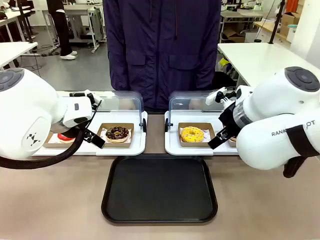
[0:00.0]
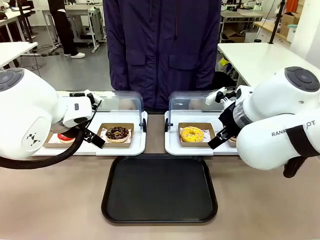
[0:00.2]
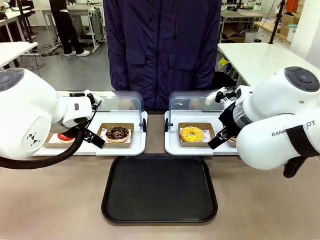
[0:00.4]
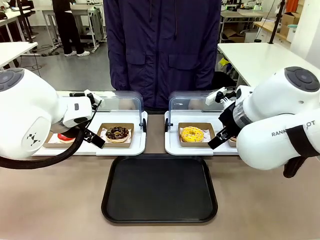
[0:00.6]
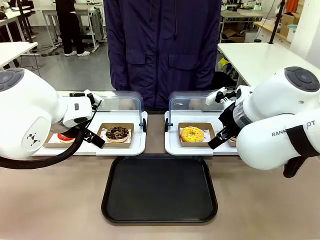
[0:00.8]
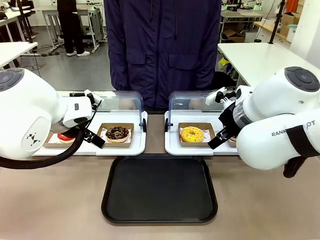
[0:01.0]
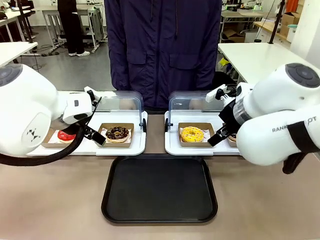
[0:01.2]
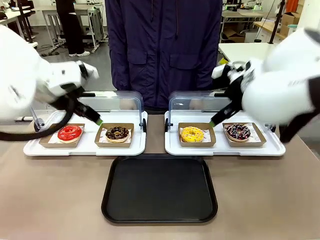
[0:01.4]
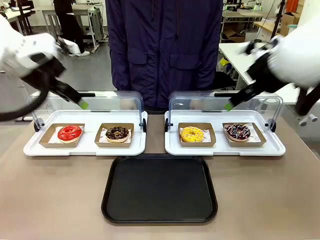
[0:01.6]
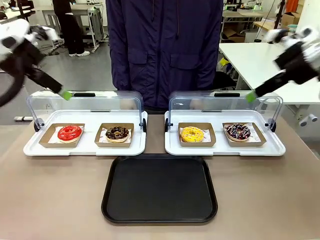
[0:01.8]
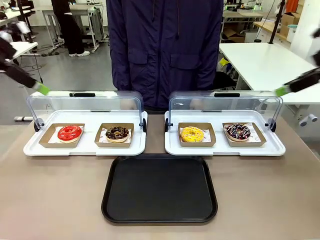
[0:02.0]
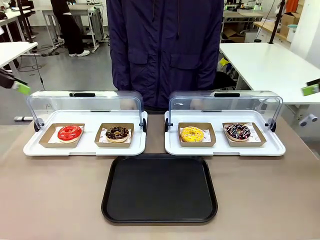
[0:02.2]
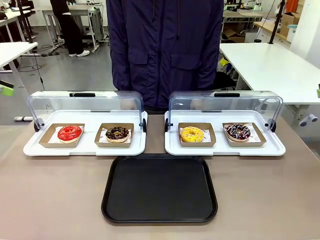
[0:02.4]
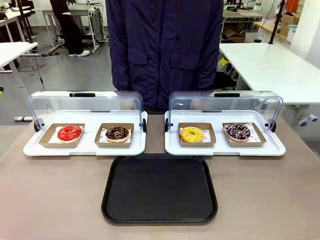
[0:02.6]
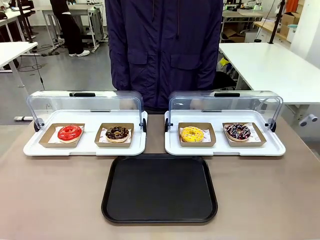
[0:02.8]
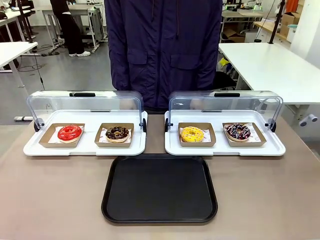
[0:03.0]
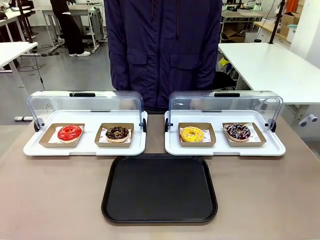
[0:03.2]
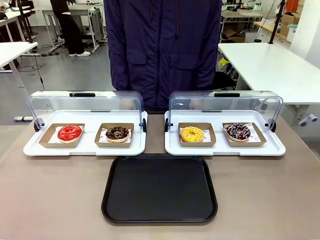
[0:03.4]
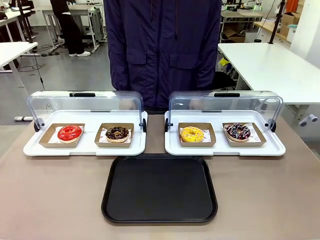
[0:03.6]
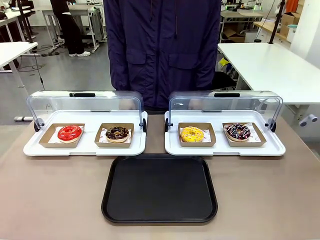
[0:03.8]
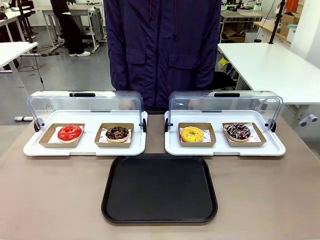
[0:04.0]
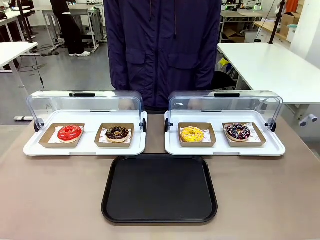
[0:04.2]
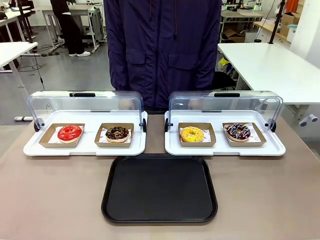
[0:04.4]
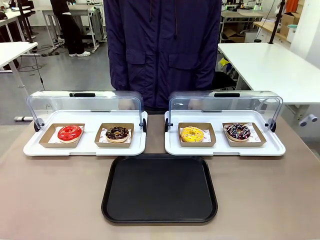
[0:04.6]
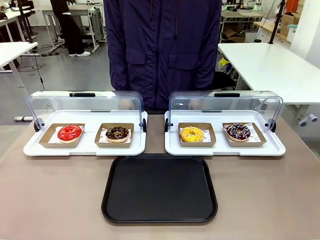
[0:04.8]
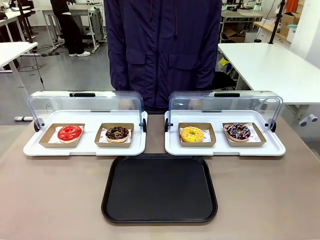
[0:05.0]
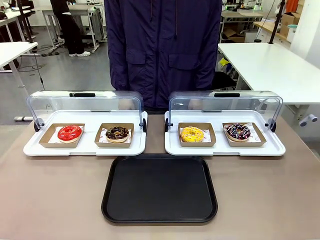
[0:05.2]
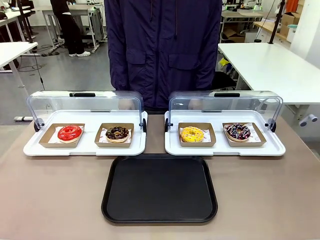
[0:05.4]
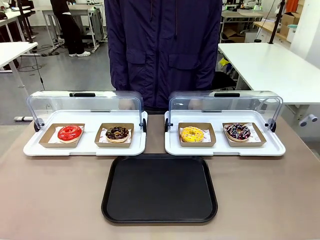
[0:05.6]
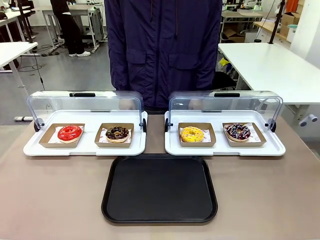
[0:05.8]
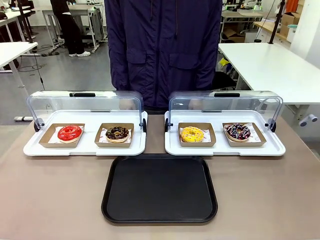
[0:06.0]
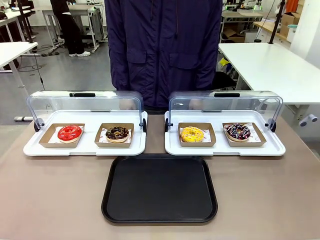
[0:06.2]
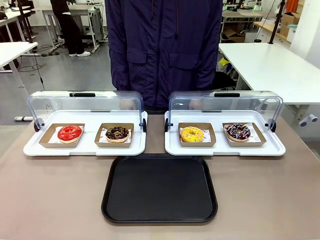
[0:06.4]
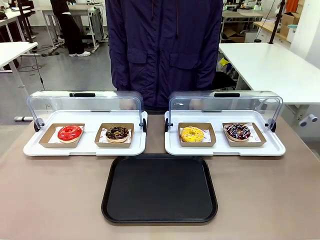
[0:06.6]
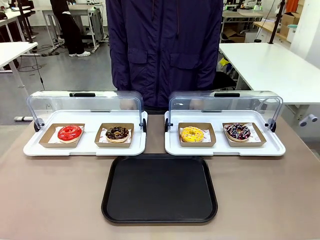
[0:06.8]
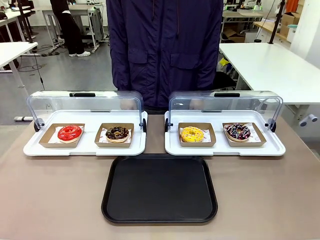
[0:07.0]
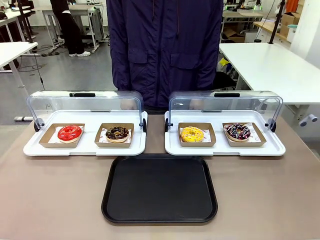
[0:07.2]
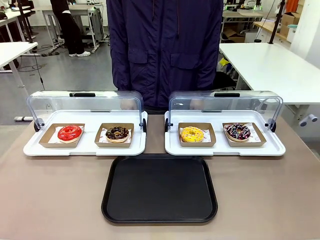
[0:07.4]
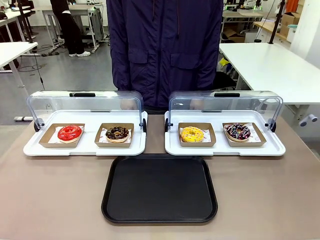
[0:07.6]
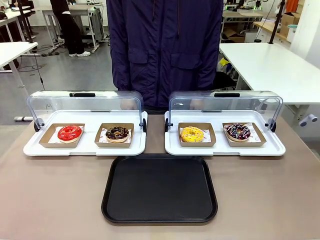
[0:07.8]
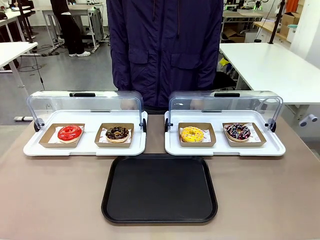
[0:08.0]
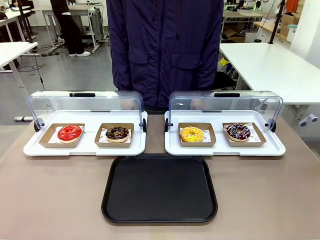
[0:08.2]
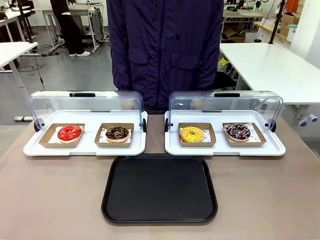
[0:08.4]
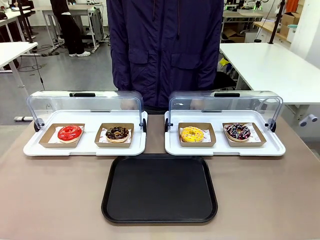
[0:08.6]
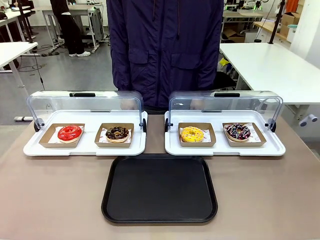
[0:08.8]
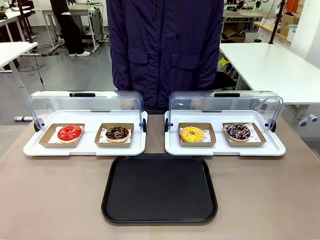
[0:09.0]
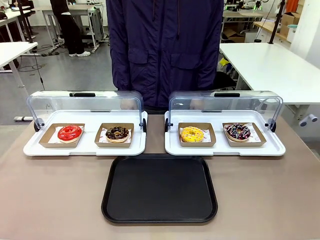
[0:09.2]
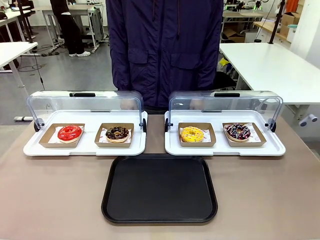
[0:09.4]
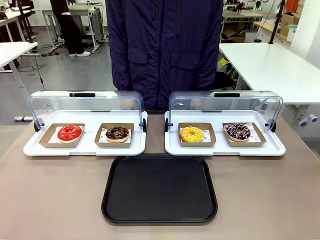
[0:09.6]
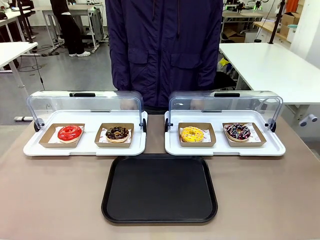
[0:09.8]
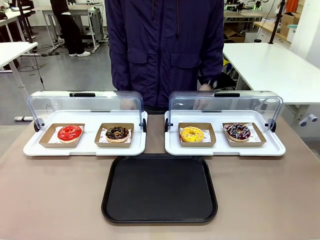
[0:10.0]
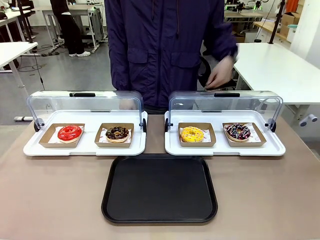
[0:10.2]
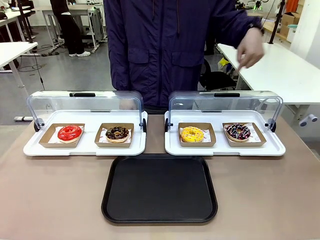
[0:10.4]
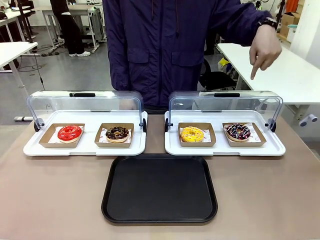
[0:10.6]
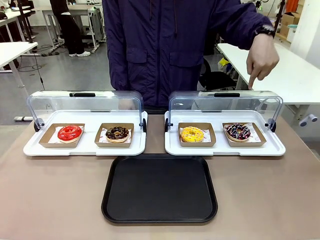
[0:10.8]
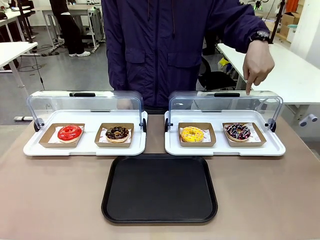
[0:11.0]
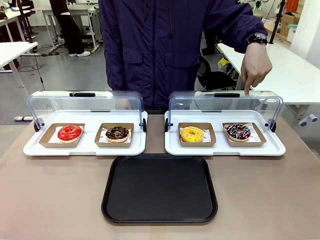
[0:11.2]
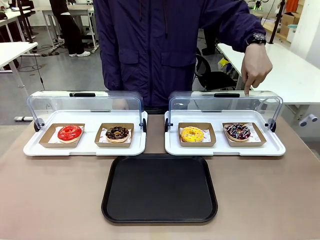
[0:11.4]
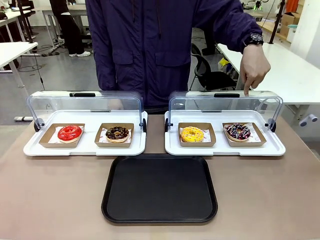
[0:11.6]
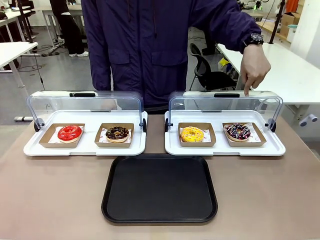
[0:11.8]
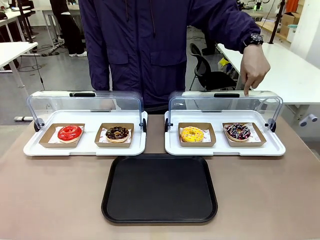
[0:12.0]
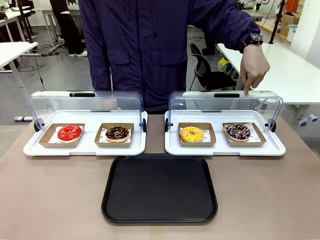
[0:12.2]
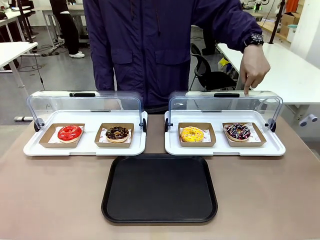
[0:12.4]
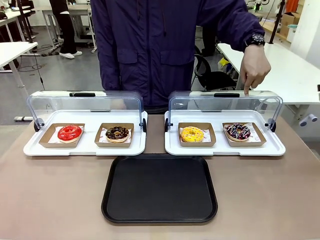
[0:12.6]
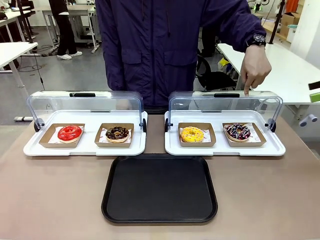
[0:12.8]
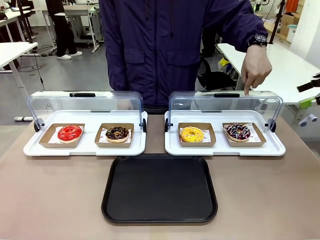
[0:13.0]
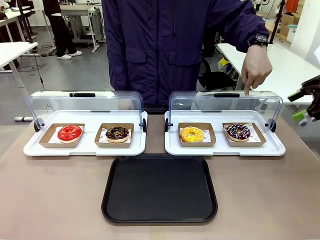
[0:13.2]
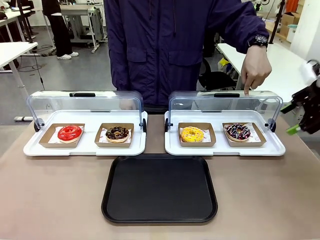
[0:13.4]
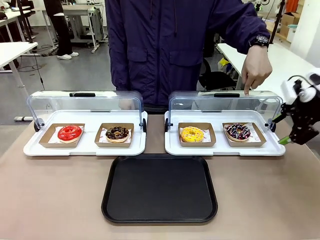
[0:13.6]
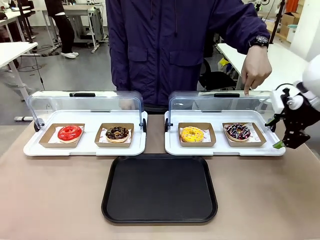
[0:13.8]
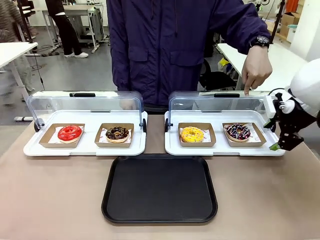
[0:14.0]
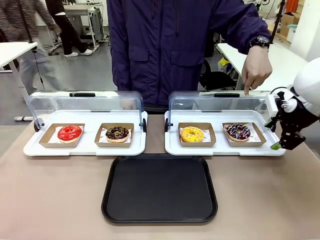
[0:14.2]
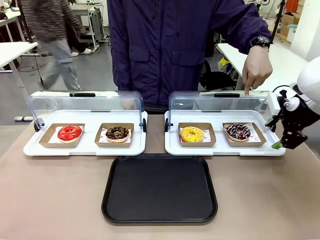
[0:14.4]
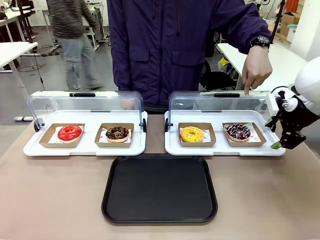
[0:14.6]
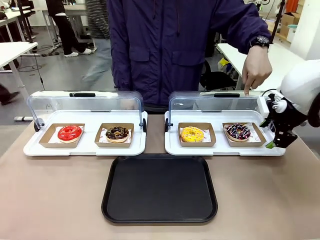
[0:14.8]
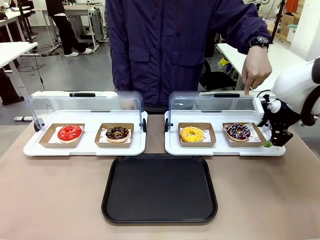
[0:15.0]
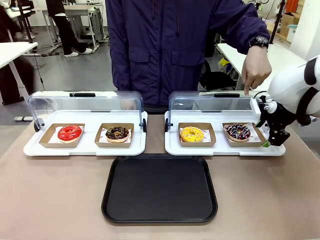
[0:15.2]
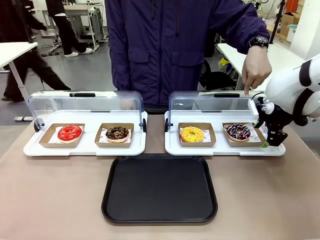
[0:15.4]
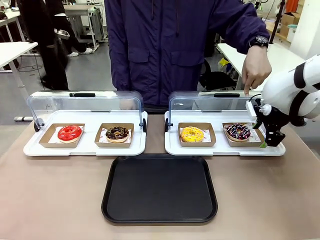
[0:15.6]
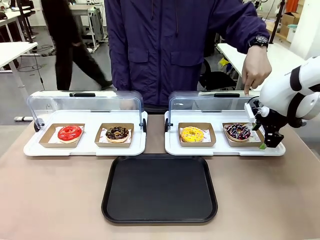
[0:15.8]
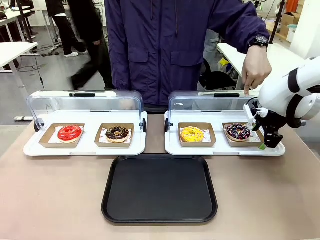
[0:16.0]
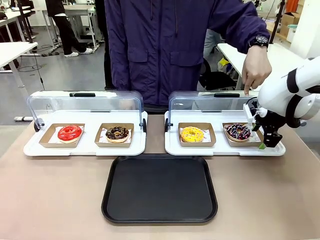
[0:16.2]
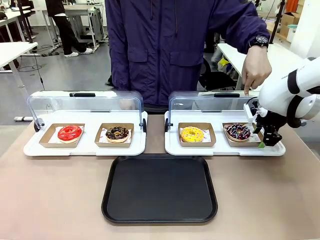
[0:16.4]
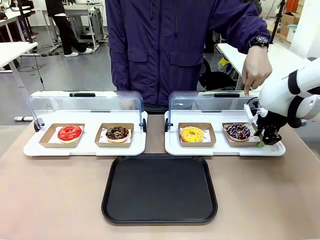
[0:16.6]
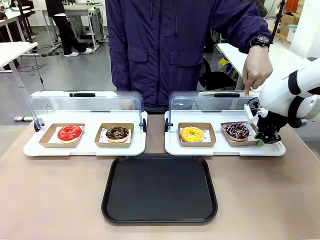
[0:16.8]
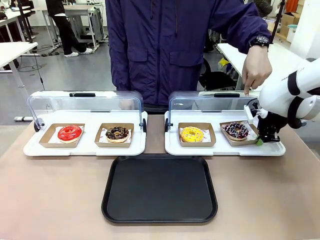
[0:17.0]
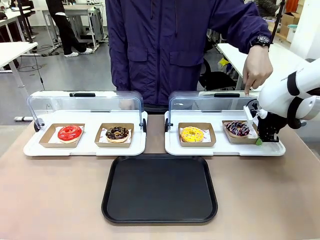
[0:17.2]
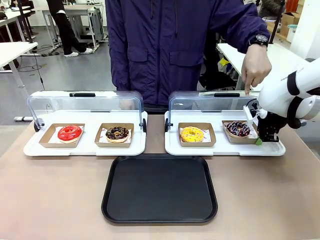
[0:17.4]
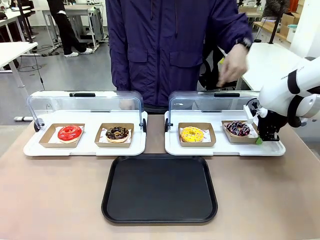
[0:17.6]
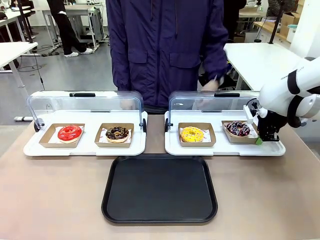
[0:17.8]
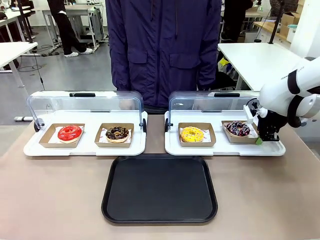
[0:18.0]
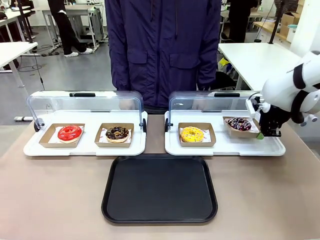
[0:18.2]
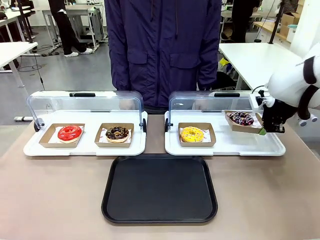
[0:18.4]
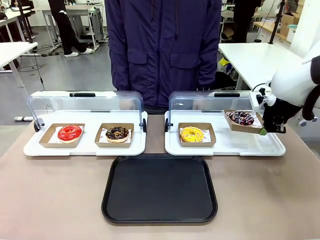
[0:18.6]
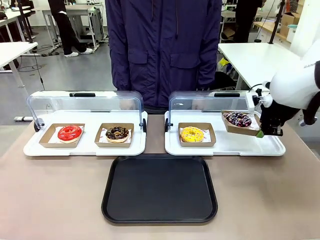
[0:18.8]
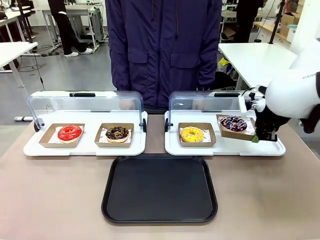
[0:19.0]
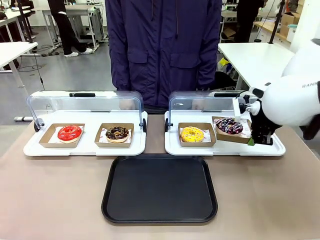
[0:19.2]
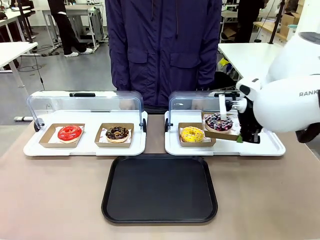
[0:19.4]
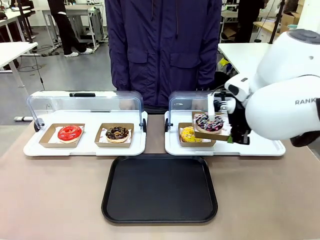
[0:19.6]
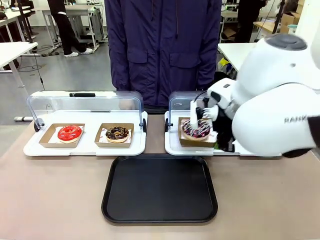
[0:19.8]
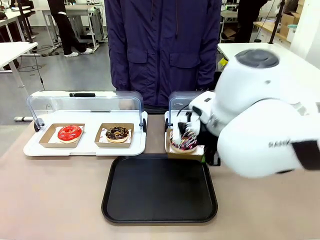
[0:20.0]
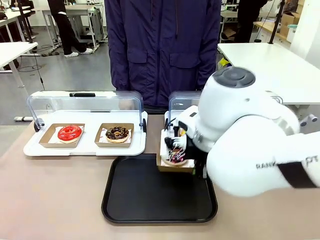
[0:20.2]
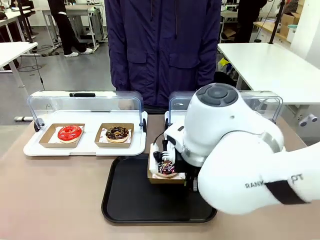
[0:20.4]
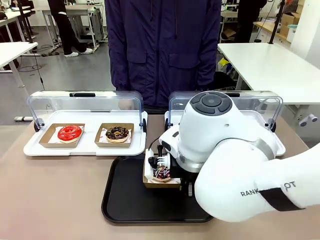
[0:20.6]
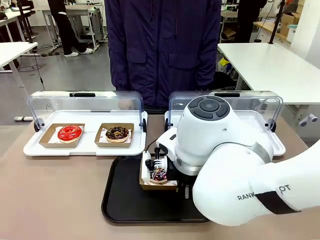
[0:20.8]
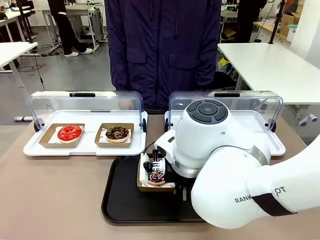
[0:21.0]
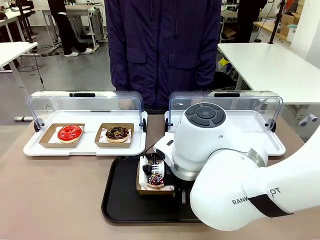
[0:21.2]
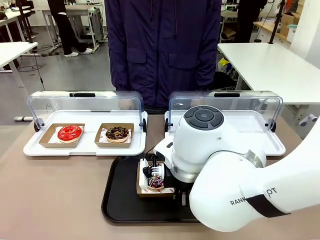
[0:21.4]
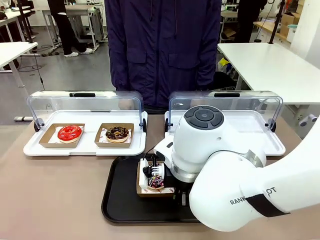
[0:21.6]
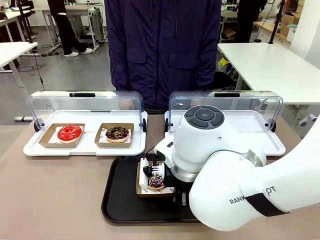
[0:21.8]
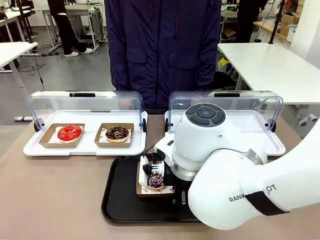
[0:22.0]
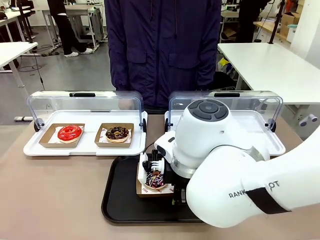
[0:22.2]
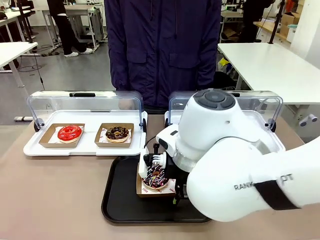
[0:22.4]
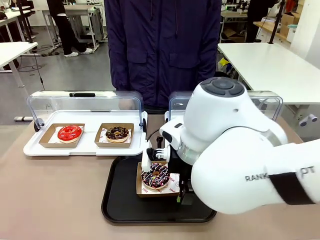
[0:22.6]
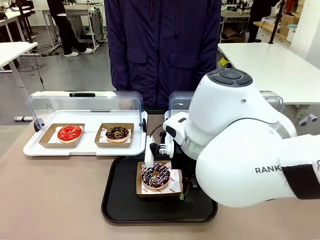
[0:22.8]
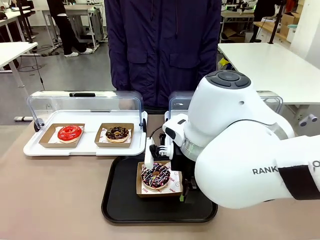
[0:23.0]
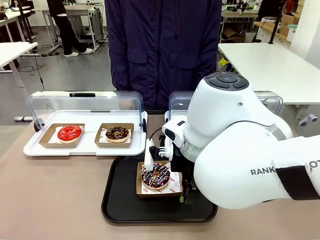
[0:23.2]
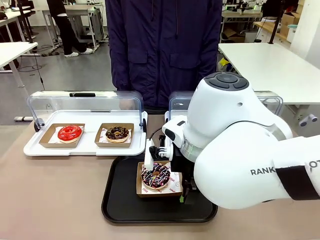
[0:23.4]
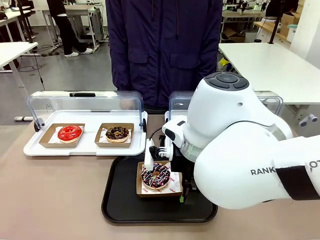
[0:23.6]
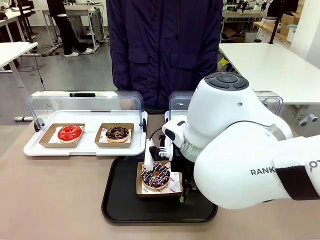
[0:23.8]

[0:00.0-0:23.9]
Task: Move the fourth donut from the left to the tray.
Robot: Pick up the Paper togo box containing the Donut indicated by the person and place it on the Handle tray.
Person: Points to the fourth donut from the left from the robot’s perspective.
